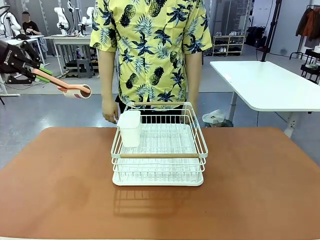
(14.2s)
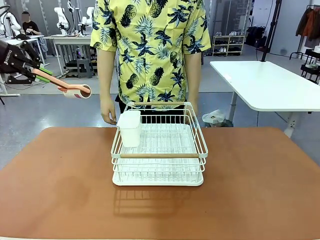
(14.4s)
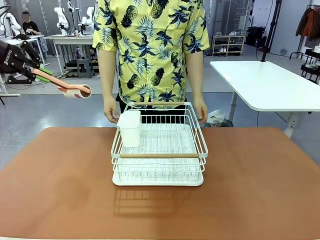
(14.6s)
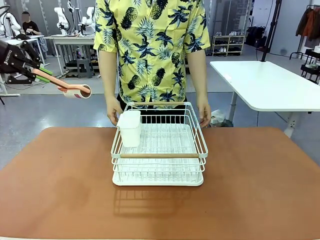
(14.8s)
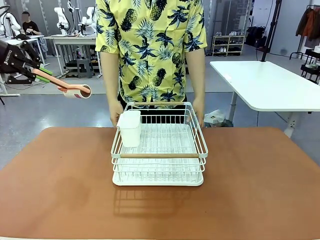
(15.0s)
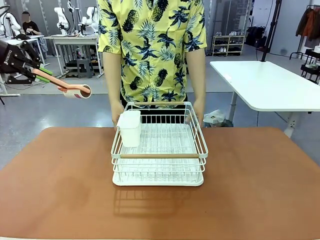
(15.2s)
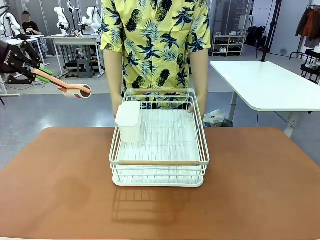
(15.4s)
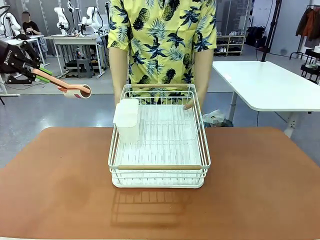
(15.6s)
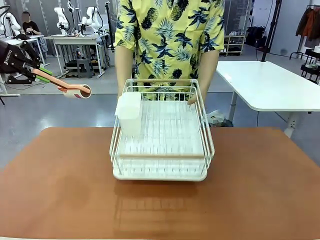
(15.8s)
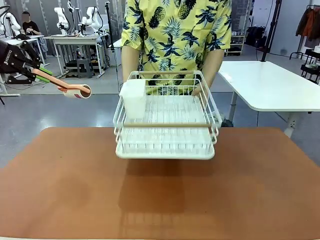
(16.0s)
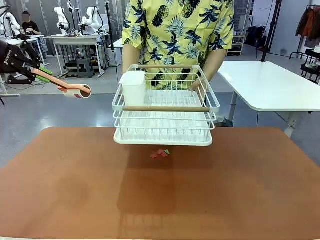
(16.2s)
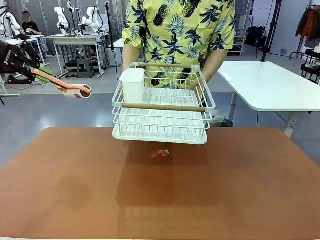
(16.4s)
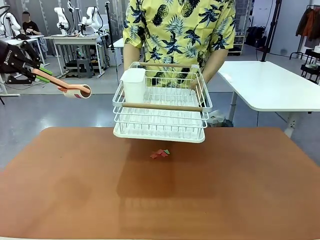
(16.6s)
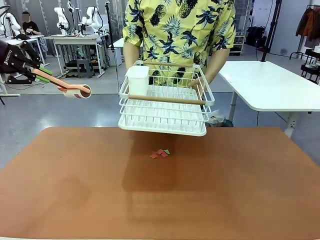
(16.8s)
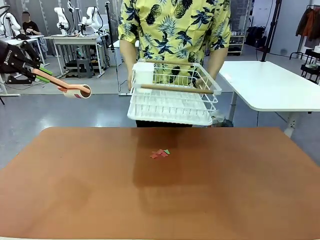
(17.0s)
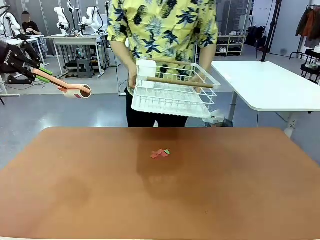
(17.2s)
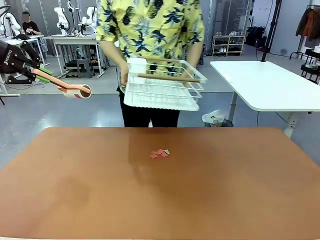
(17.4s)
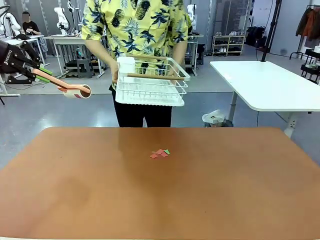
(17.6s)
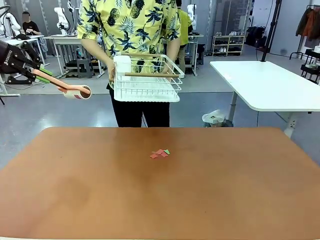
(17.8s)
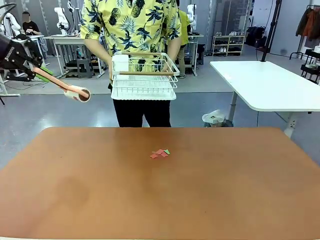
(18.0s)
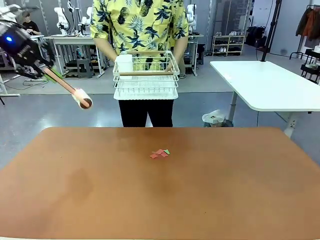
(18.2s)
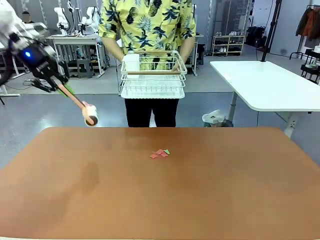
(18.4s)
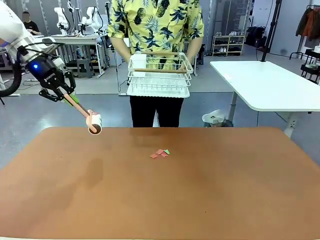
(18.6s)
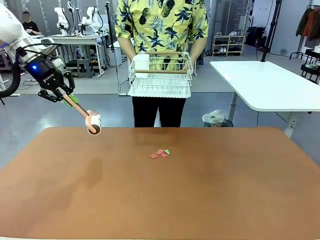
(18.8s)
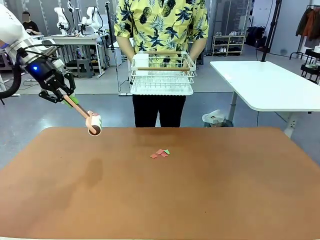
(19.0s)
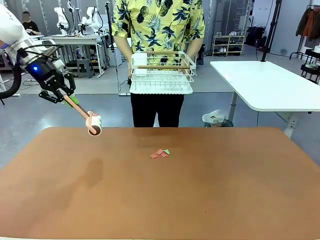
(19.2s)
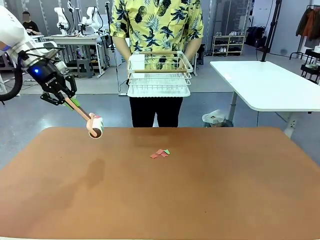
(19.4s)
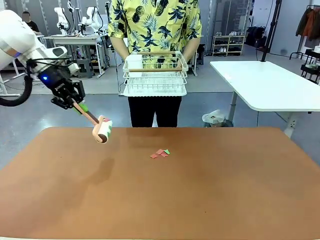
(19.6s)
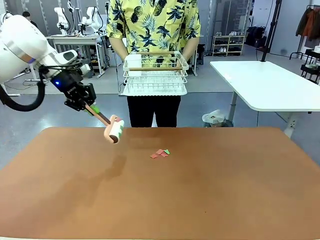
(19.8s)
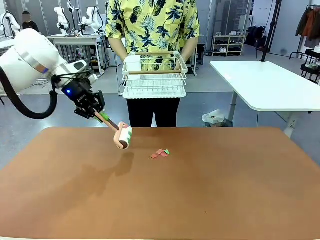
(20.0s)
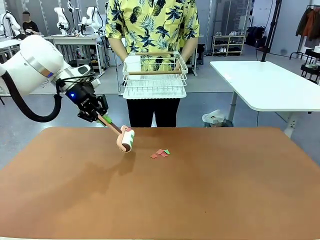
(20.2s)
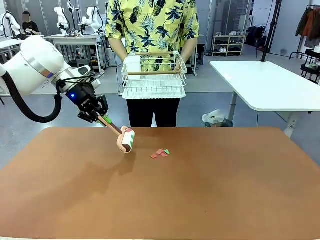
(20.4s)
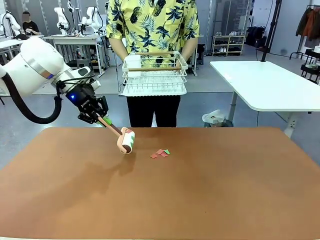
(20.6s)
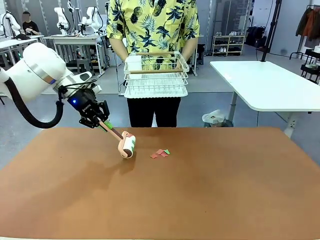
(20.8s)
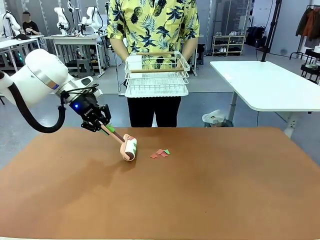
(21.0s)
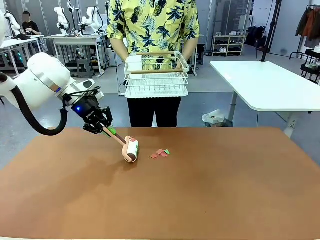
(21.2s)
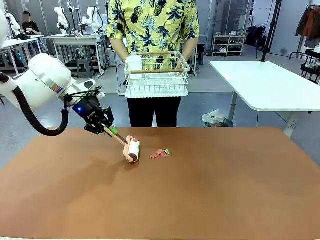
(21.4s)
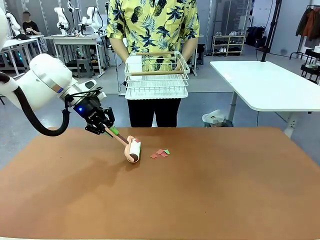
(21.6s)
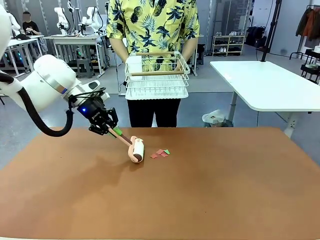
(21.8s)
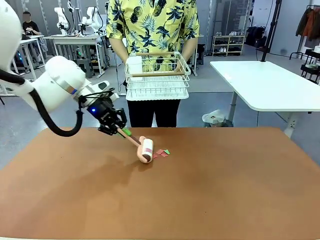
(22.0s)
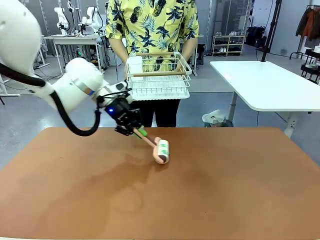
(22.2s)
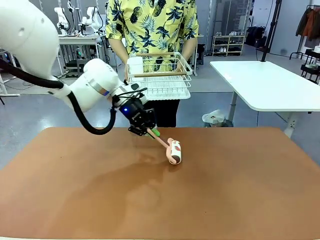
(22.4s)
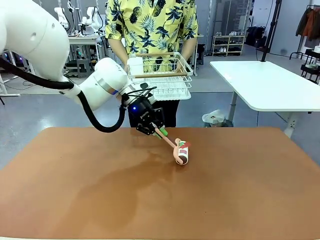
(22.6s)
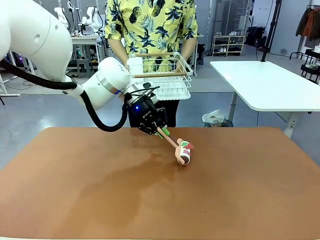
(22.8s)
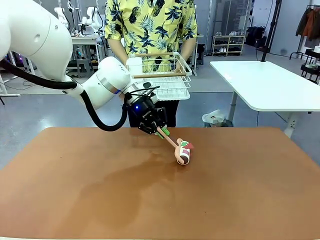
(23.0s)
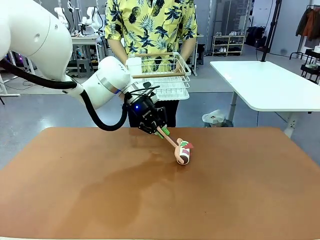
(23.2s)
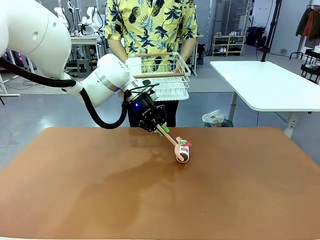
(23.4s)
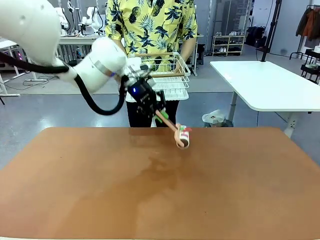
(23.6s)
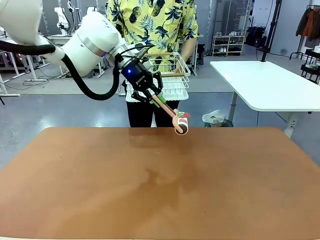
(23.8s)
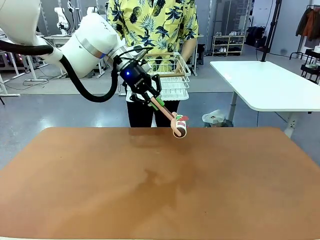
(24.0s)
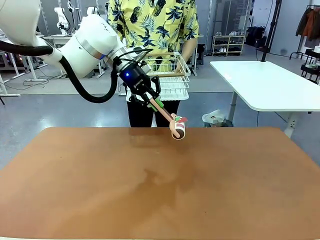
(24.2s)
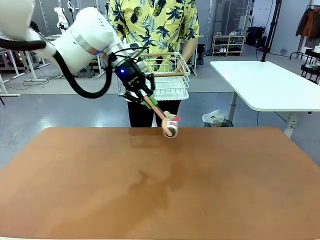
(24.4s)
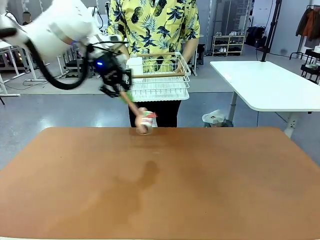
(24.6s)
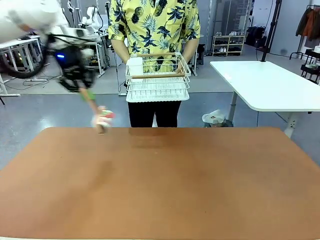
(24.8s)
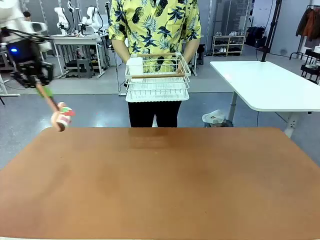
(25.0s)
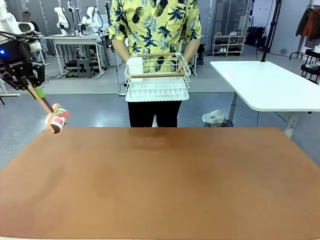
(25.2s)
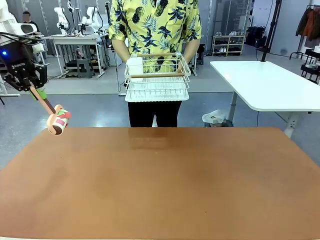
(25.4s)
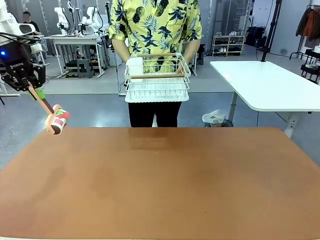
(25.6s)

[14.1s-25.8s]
Task: Clean the table.
Robot: Clean the table with the Lint Roller when the human lifts the Dish drying rack.
Person: Place the Dish drying rack down when the robot finishes cleaning.

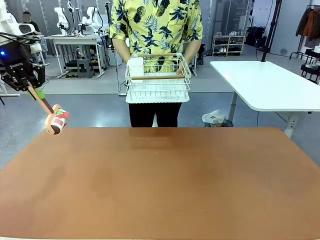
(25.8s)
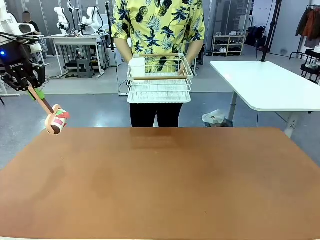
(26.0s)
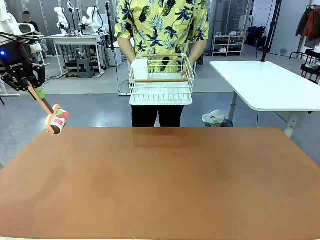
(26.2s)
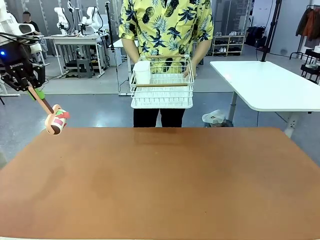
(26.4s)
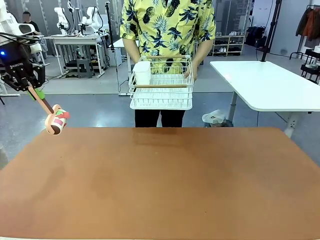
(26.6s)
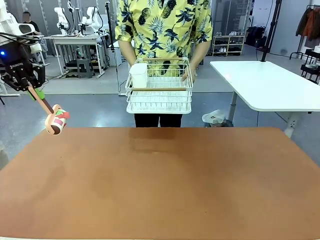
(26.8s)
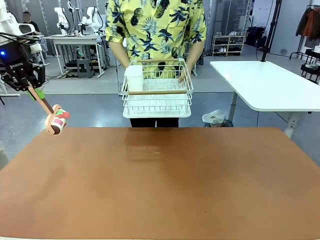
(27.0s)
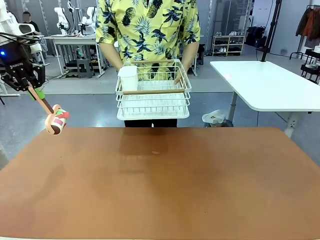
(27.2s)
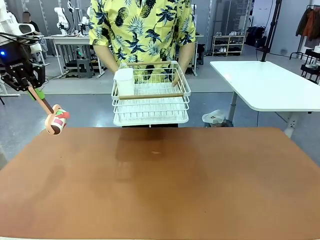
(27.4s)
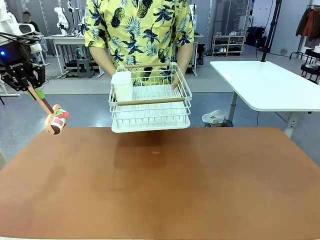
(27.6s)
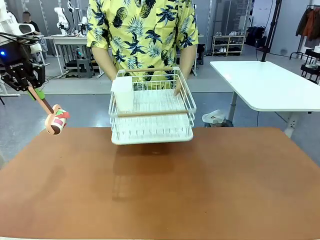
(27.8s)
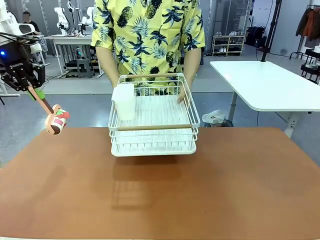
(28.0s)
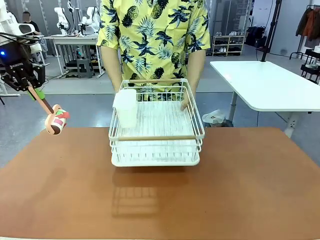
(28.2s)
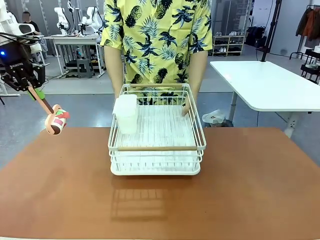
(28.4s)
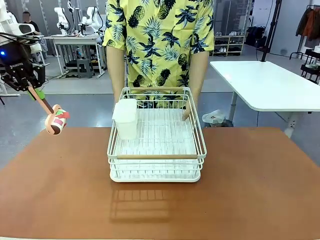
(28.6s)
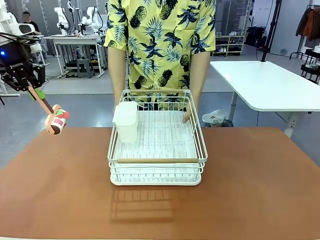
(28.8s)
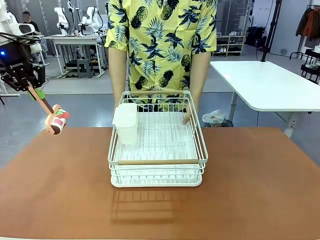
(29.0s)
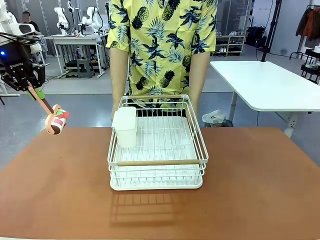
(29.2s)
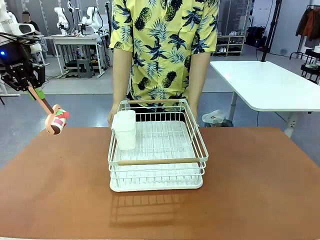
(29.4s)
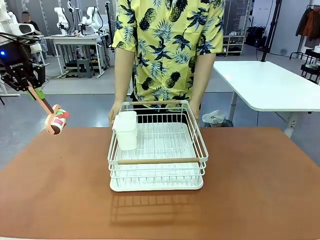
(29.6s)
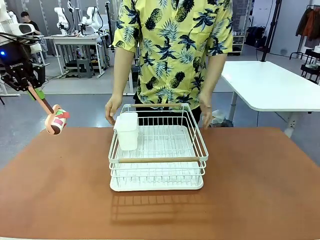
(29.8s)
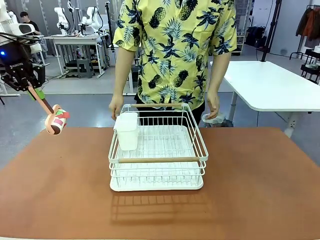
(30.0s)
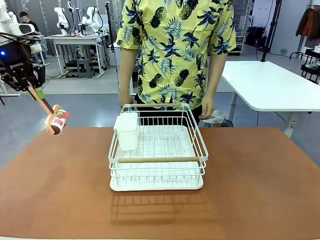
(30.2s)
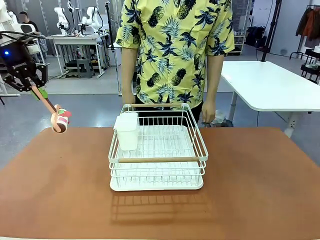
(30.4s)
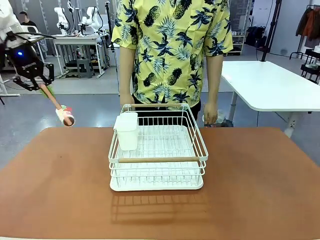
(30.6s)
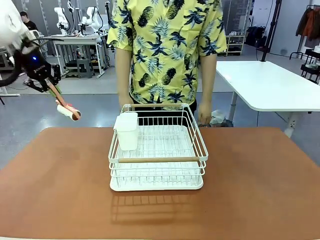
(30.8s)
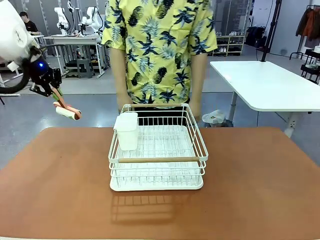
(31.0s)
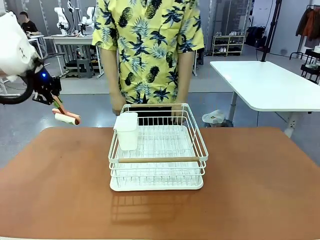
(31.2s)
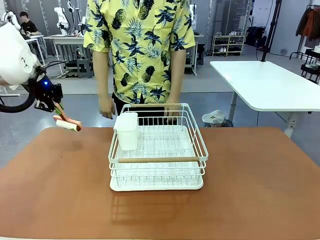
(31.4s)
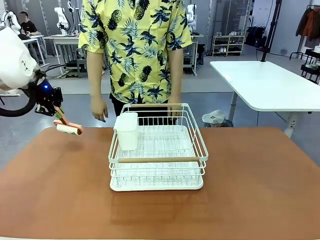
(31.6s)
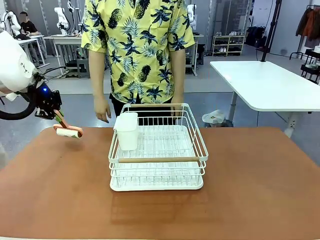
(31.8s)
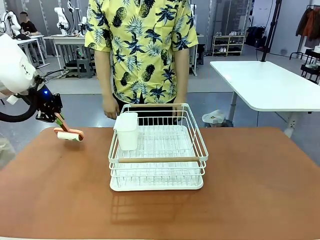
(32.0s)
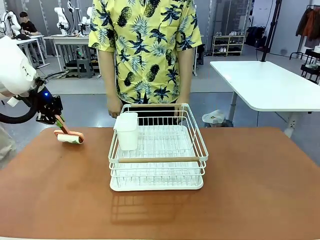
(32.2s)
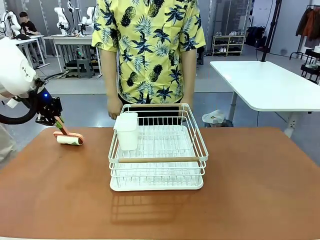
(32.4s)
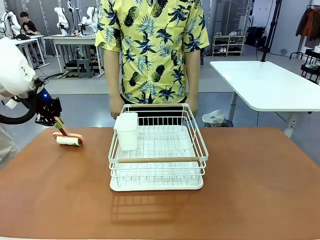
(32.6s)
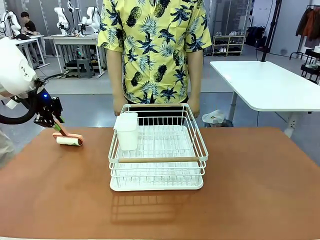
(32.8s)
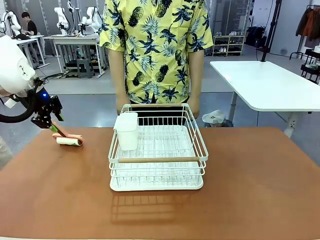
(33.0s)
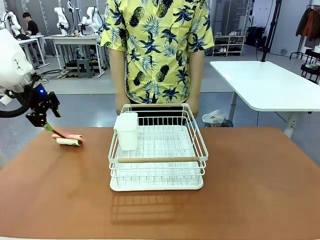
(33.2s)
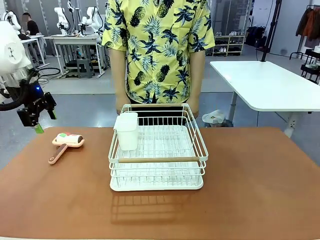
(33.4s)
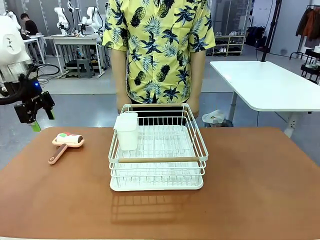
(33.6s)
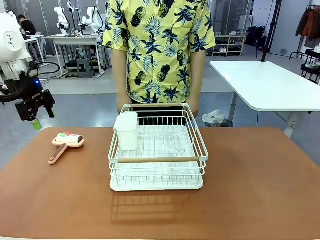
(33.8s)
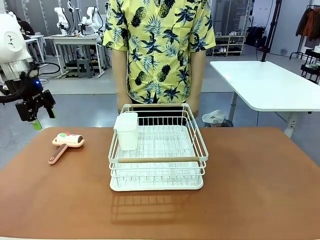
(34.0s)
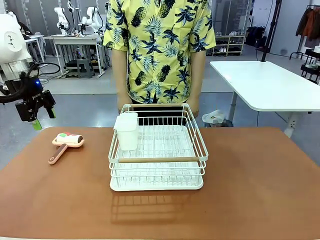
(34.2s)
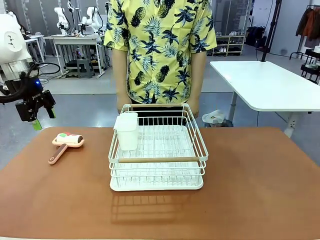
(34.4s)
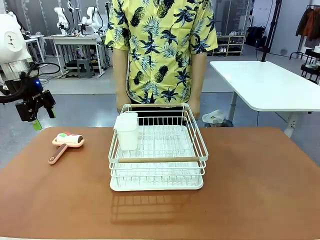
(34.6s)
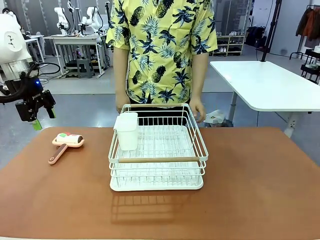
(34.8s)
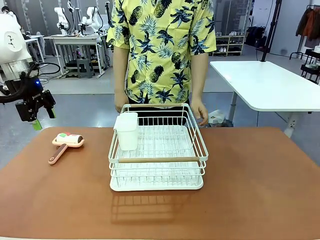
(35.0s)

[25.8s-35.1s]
Robot: Place the Lint Roller down when the Dish drying rack is positioned in the middle of the table.
